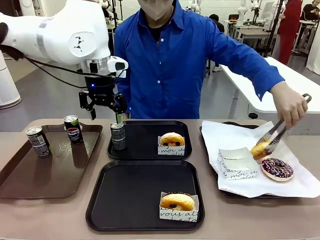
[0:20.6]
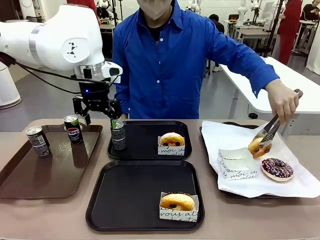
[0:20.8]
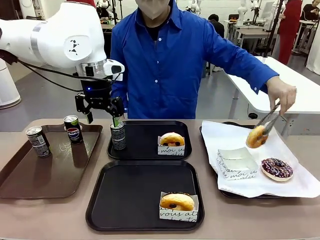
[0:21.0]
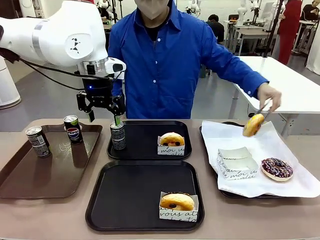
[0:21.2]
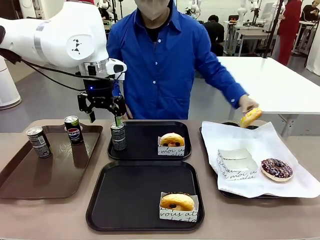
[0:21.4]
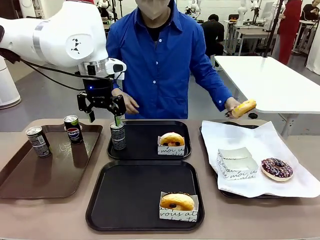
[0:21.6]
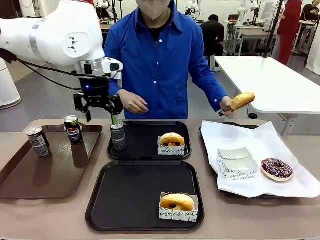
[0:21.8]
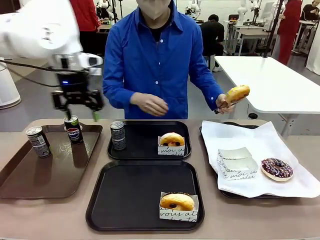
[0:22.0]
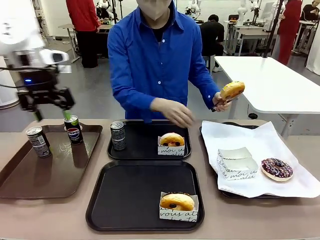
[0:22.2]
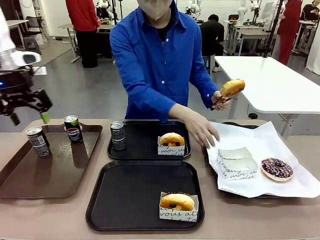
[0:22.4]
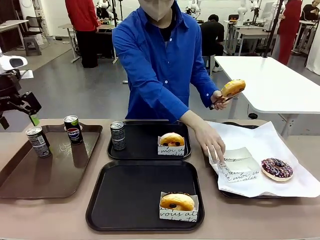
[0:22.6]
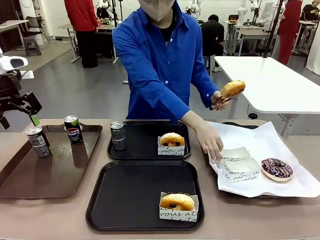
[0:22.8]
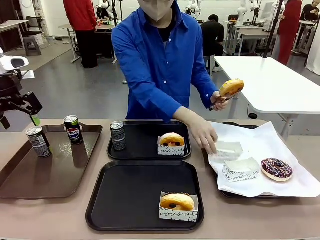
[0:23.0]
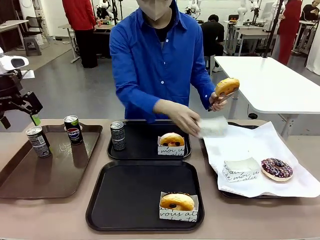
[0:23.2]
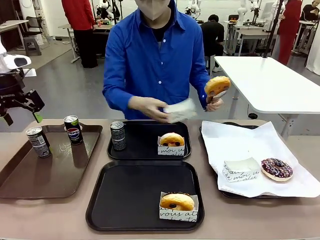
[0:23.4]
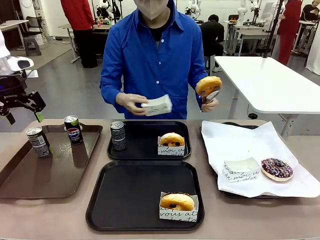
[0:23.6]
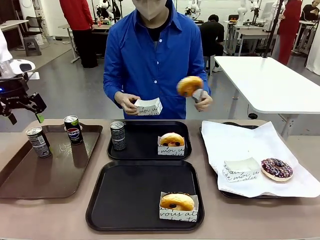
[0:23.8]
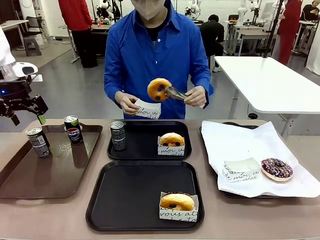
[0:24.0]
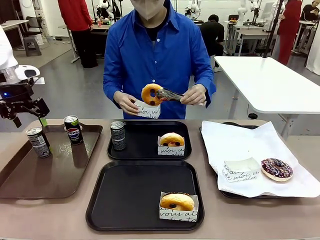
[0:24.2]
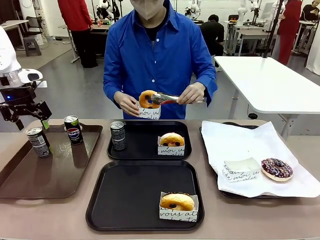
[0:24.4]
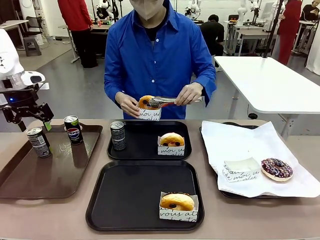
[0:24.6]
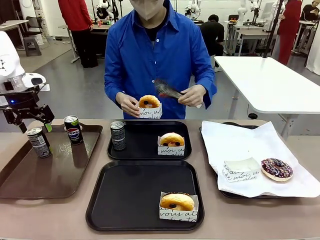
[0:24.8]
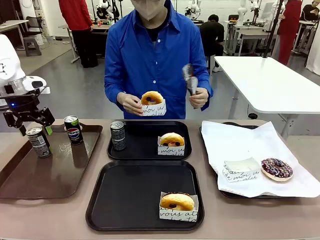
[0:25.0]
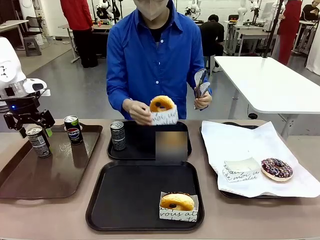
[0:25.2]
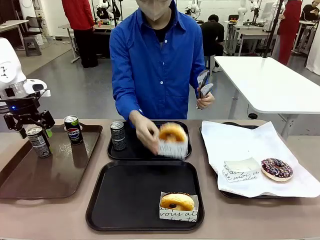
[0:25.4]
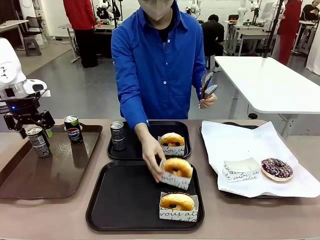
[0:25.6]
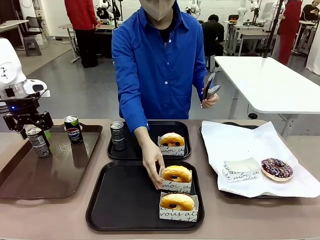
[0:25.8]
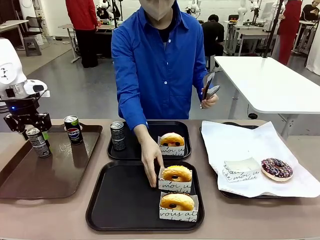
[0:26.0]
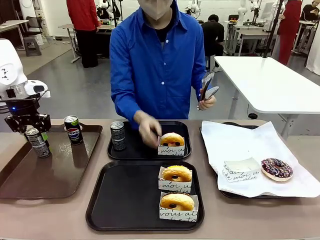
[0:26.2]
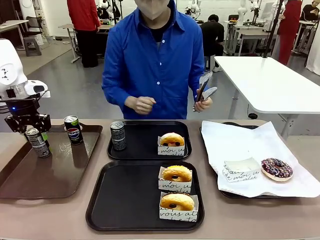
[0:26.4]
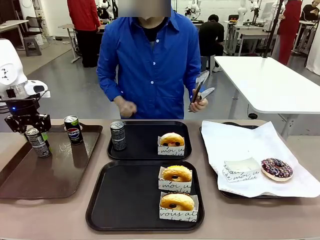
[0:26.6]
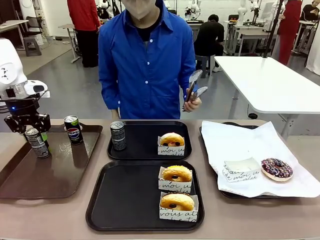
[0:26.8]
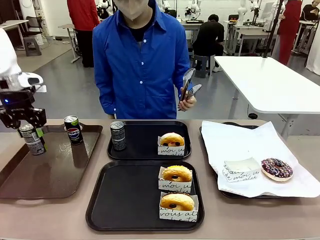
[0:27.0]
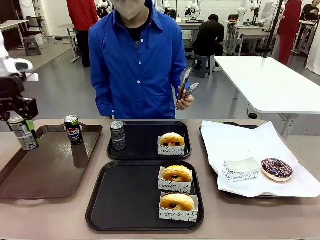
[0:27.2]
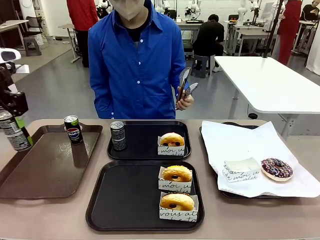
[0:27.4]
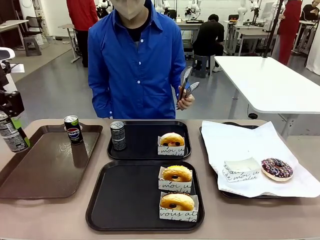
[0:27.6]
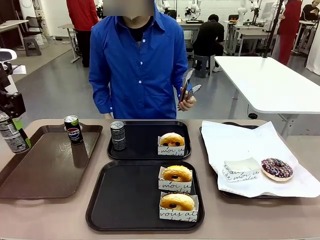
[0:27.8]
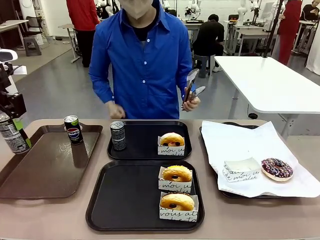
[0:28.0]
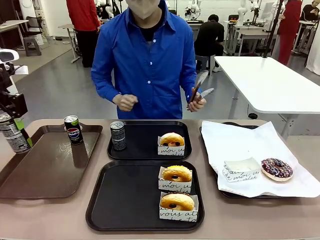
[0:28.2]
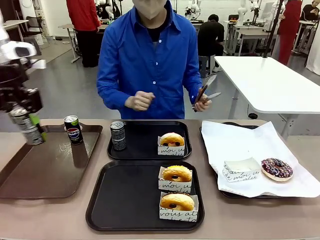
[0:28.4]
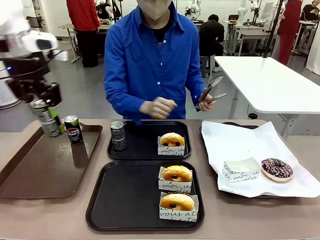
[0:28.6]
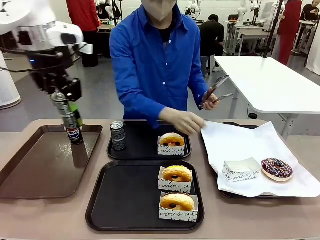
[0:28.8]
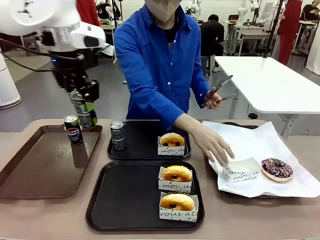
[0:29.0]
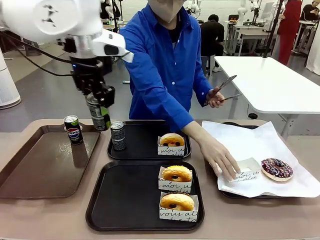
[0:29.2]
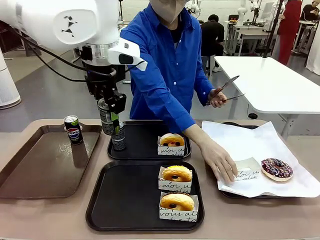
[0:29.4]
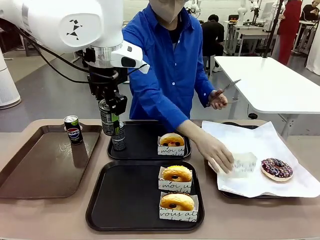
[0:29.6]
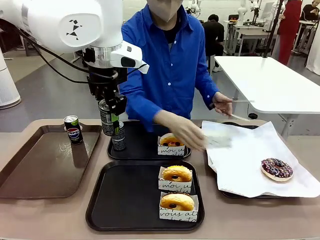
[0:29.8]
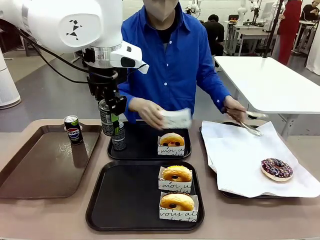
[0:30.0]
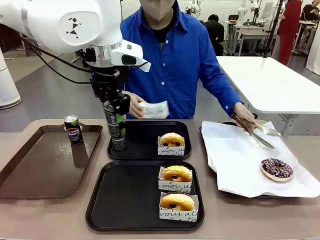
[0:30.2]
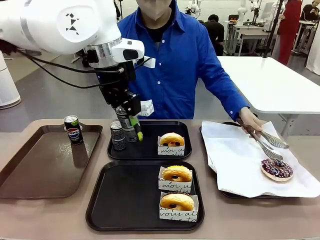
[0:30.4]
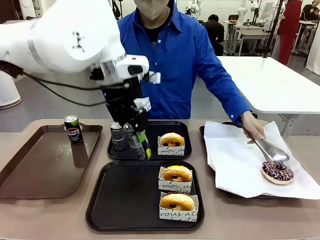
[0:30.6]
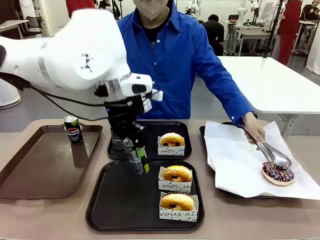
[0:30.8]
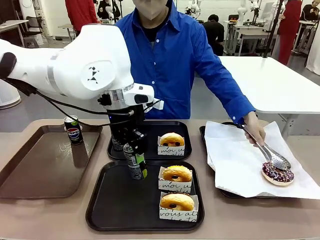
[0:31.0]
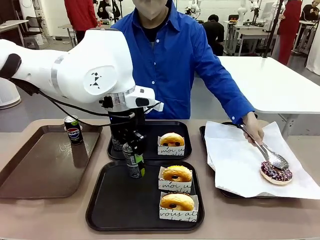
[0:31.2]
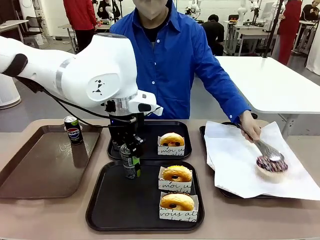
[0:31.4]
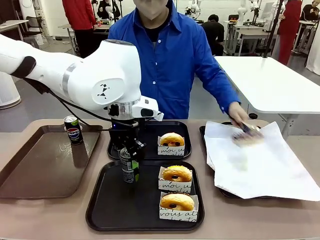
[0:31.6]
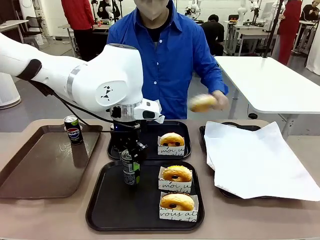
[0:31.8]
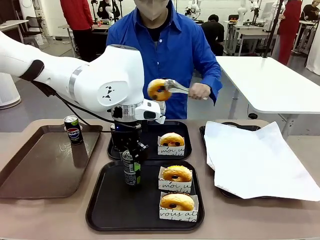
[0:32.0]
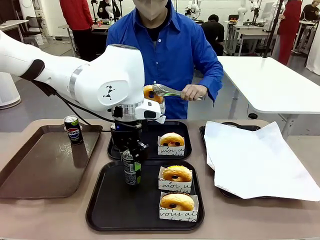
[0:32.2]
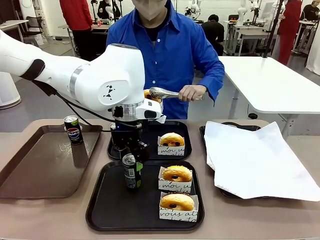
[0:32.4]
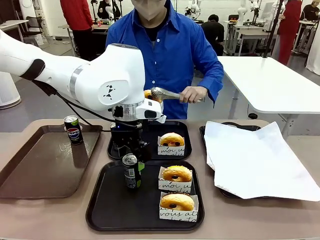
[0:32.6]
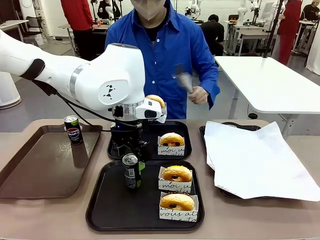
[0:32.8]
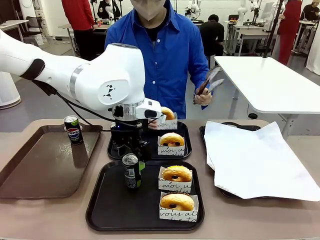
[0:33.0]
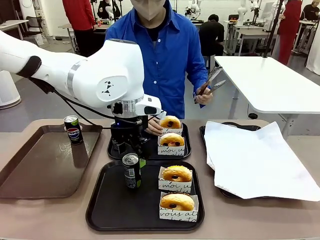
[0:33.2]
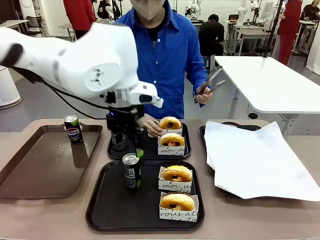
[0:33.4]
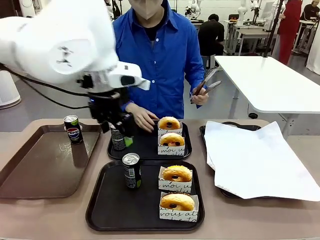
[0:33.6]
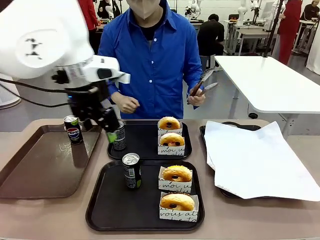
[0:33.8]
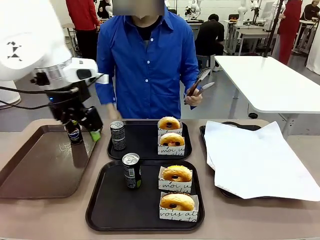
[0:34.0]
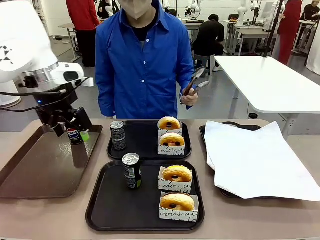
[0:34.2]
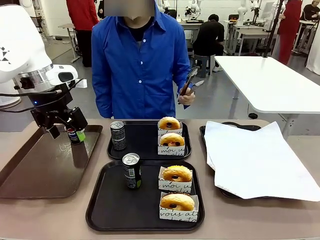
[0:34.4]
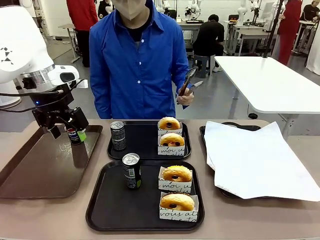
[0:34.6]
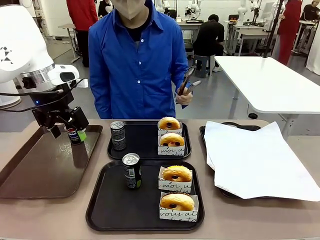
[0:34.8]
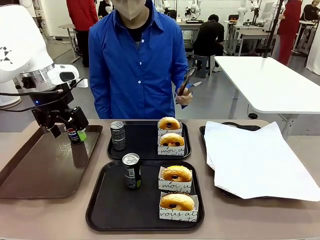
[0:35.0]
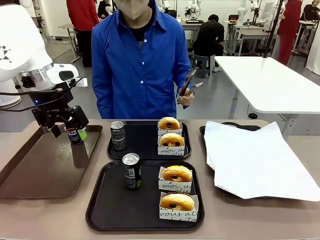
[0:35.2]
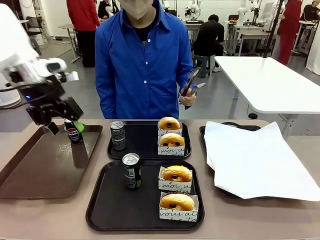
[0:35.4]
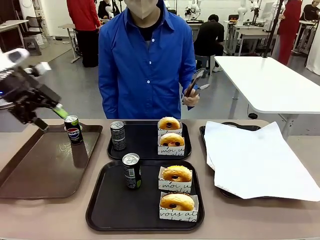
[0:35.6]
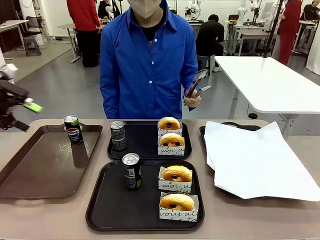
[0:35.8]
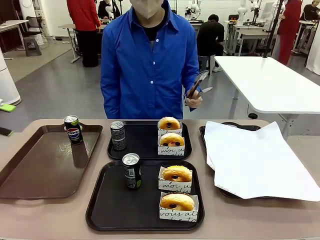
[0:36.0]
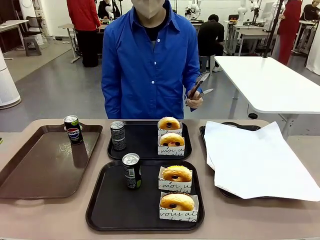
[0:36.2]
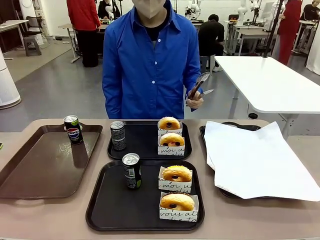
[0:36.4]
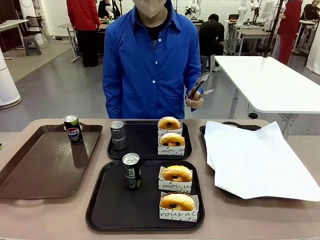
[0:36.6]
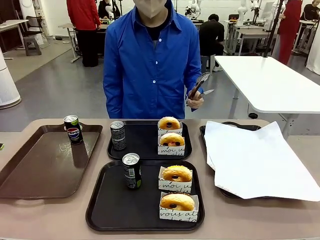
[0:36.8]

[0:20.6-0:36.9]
Task: Set up donuts and drinks on trays.
Robot: Pick up one Pepsi coke from the Handle tray and place it on the Flat Tray without a Pepsi coke.
